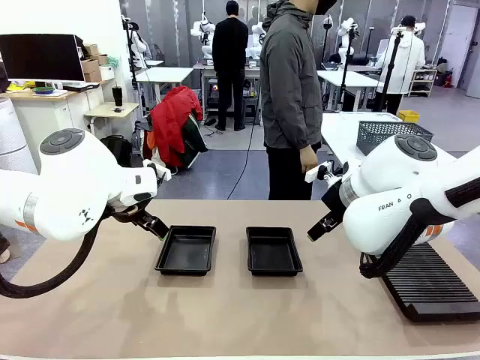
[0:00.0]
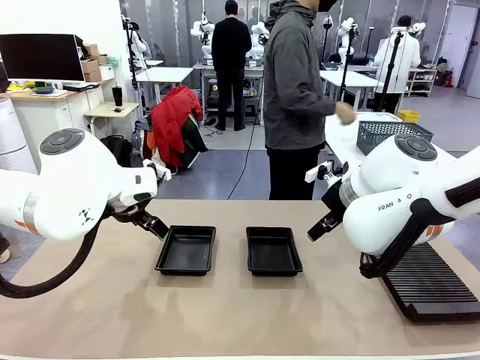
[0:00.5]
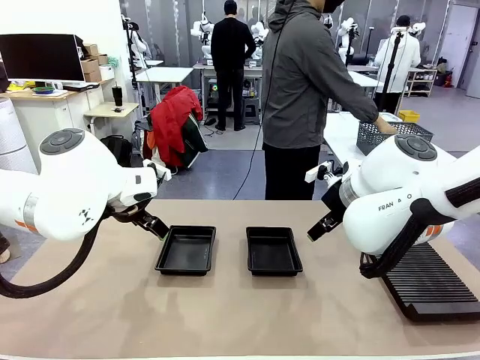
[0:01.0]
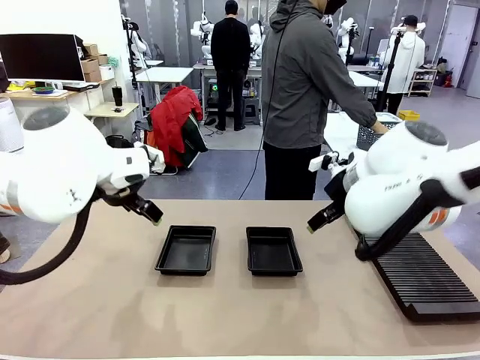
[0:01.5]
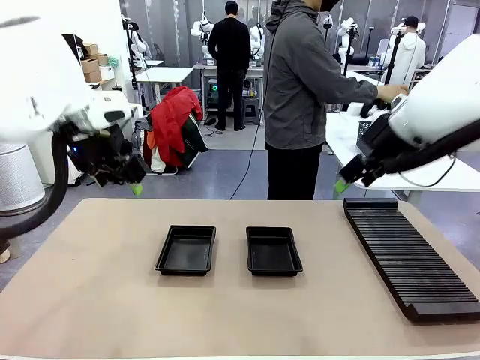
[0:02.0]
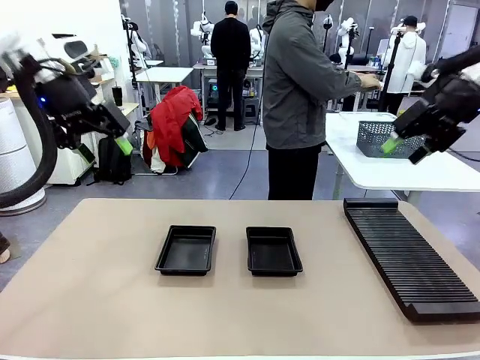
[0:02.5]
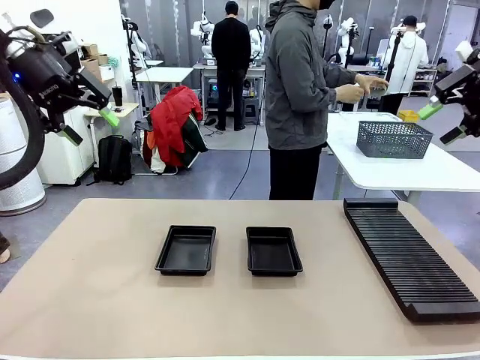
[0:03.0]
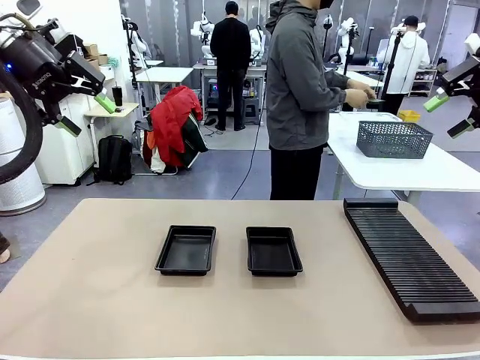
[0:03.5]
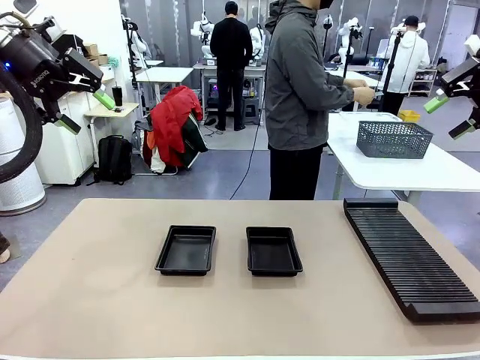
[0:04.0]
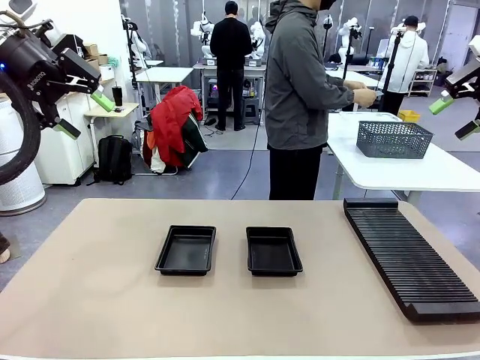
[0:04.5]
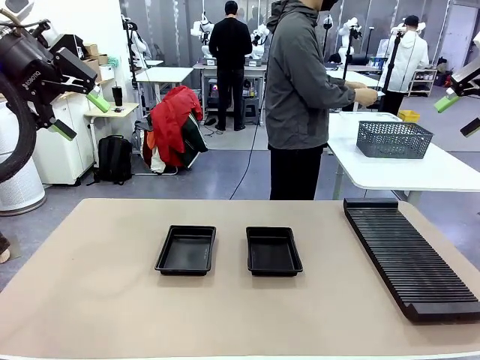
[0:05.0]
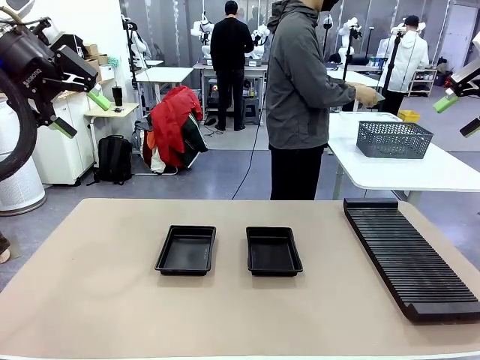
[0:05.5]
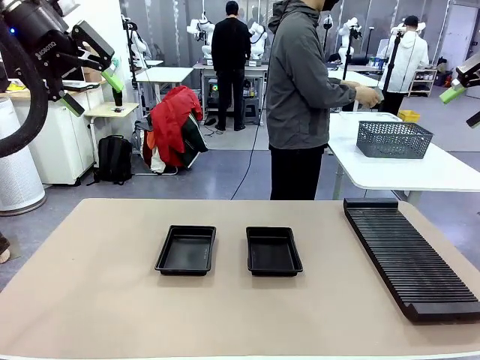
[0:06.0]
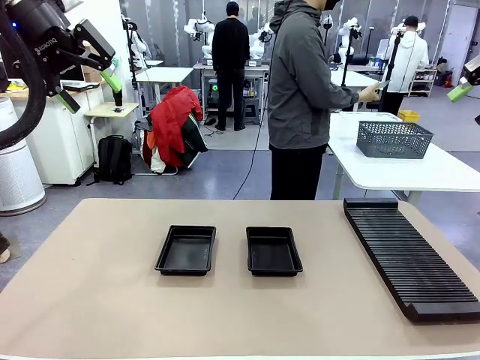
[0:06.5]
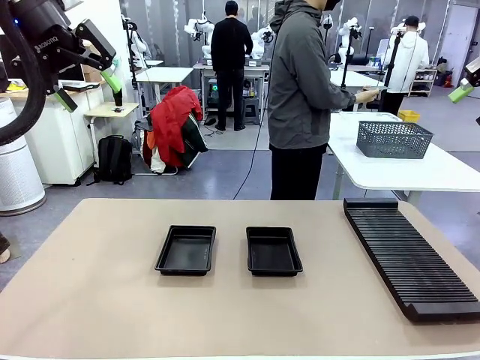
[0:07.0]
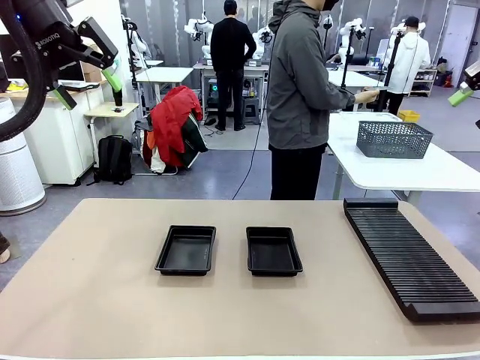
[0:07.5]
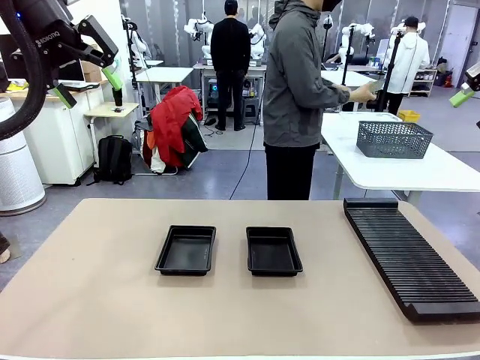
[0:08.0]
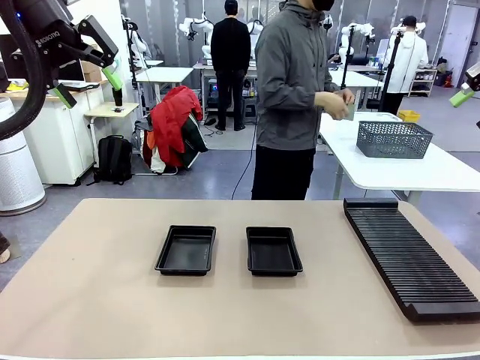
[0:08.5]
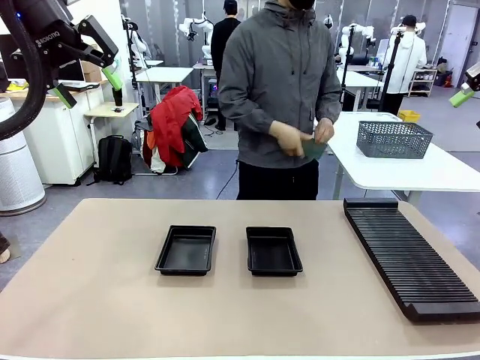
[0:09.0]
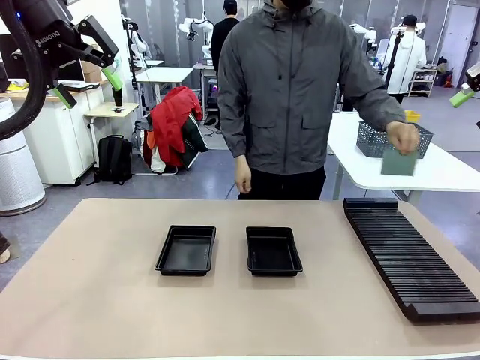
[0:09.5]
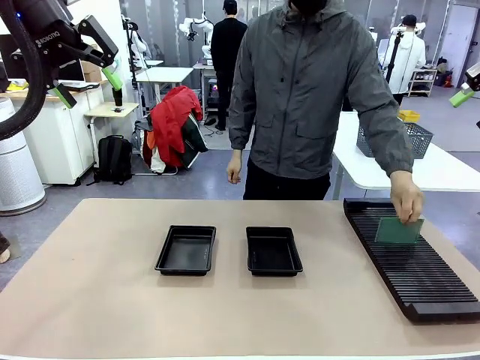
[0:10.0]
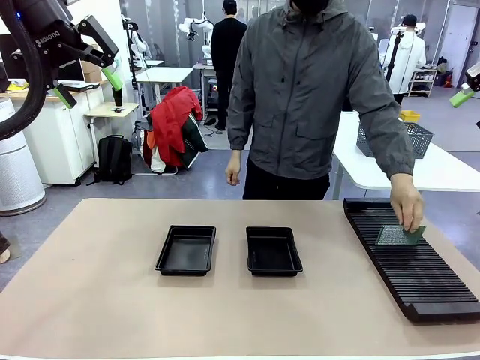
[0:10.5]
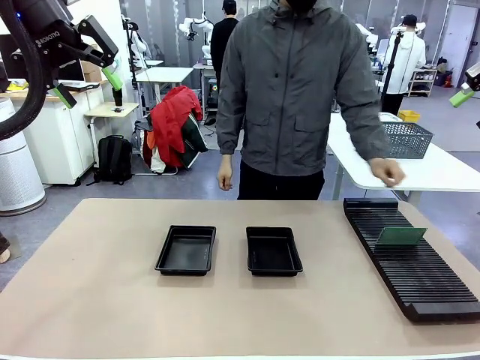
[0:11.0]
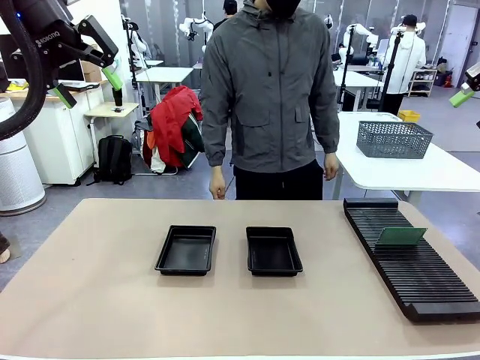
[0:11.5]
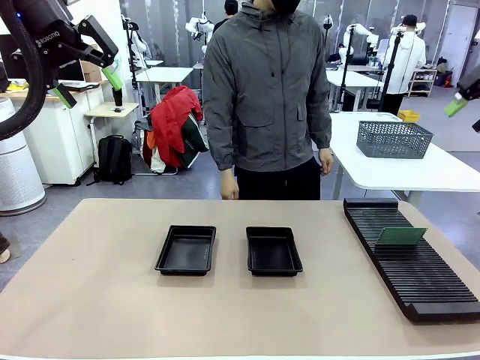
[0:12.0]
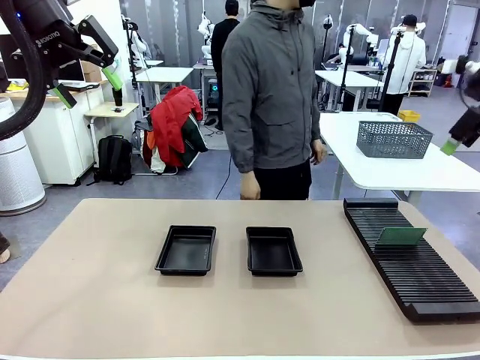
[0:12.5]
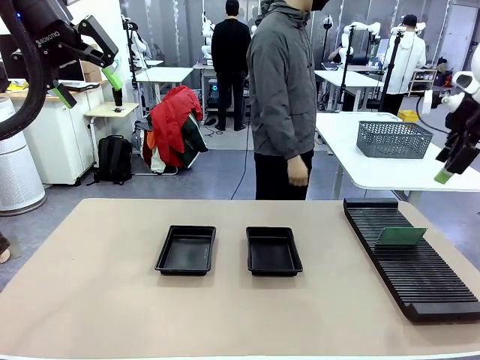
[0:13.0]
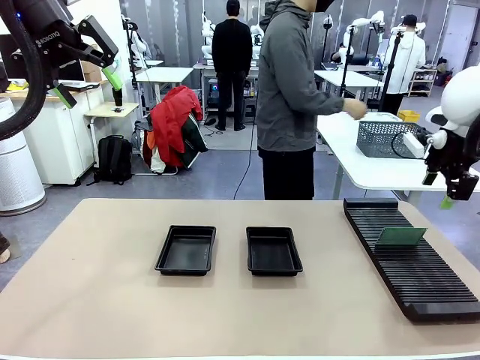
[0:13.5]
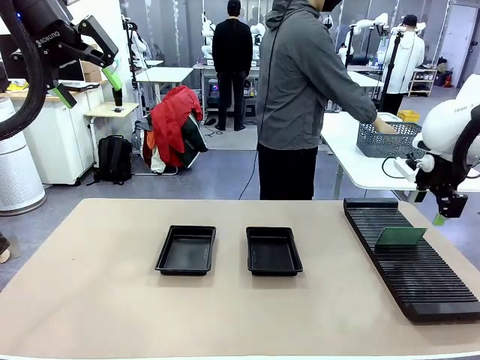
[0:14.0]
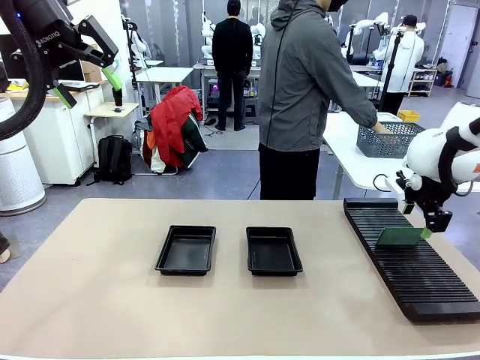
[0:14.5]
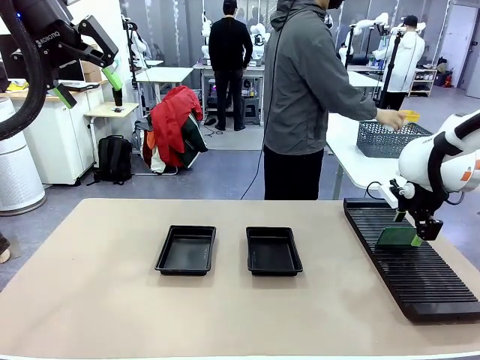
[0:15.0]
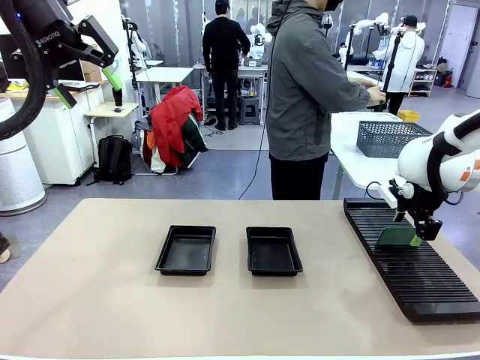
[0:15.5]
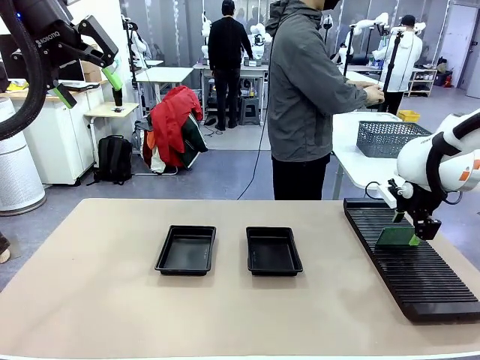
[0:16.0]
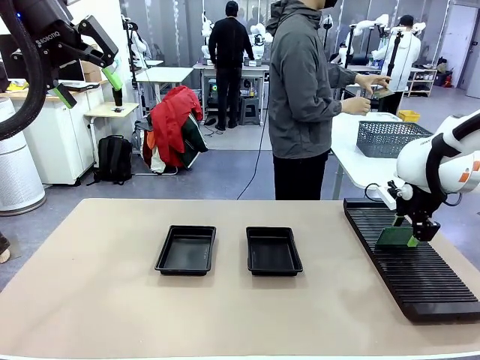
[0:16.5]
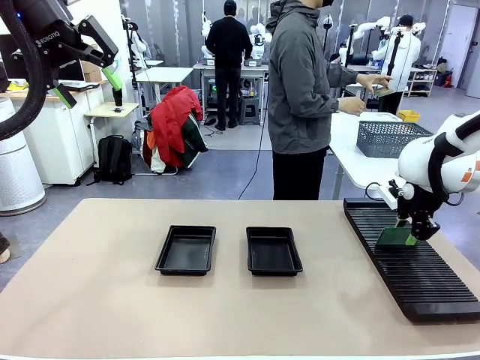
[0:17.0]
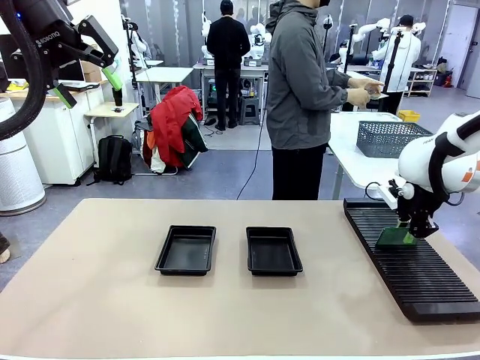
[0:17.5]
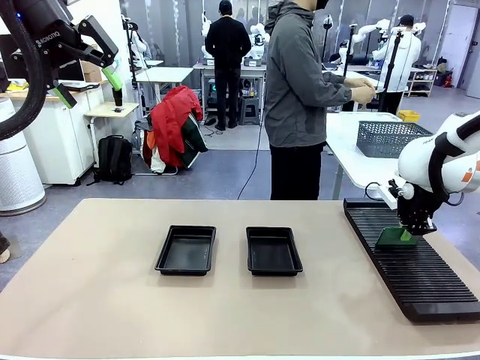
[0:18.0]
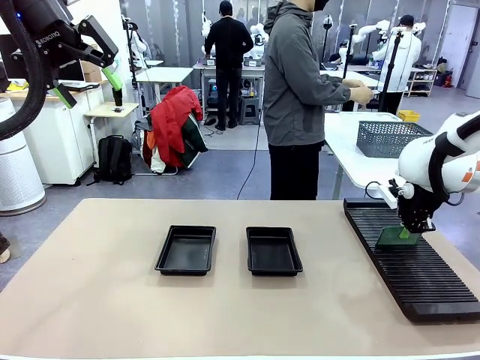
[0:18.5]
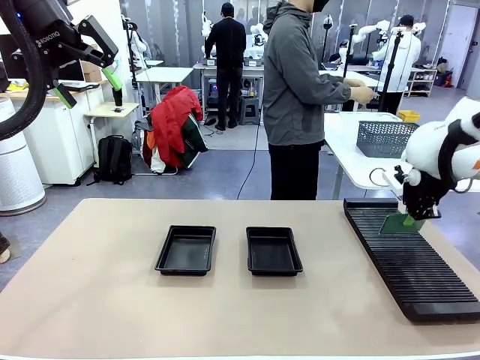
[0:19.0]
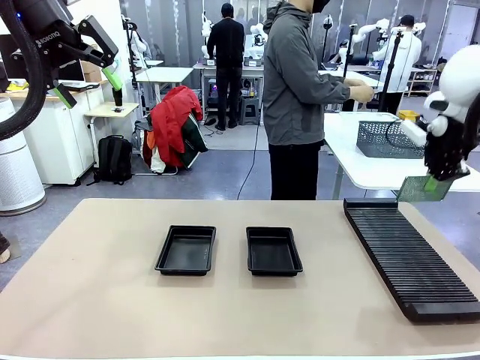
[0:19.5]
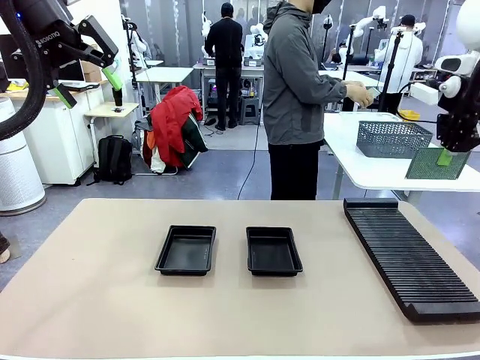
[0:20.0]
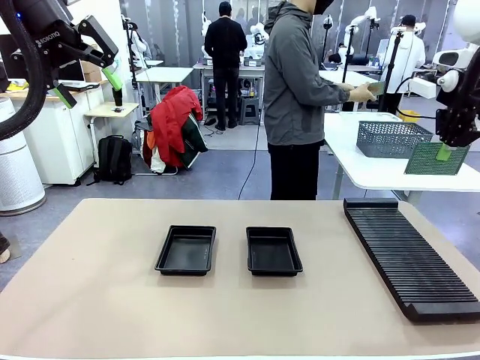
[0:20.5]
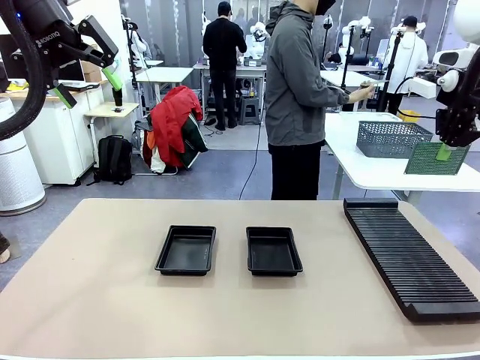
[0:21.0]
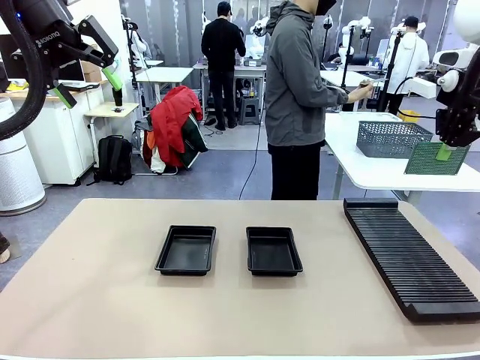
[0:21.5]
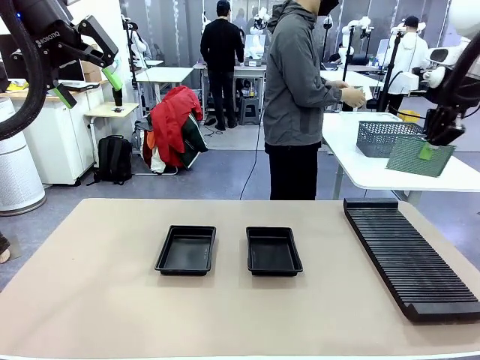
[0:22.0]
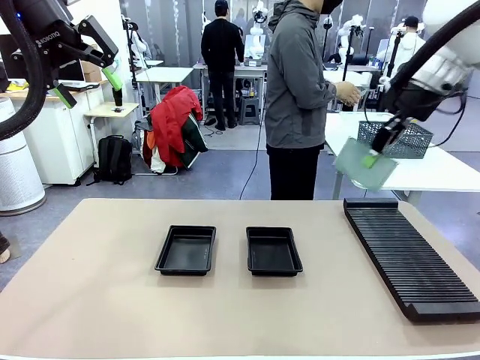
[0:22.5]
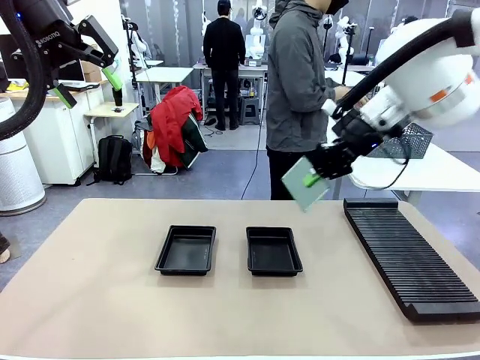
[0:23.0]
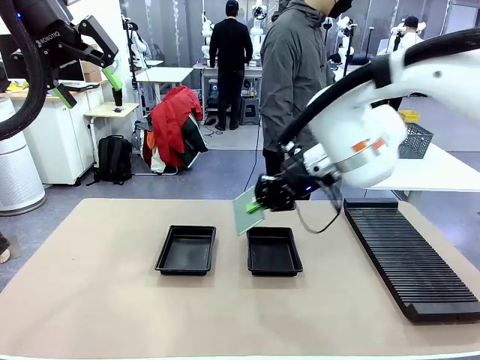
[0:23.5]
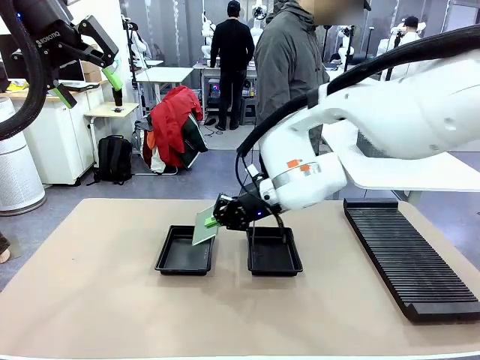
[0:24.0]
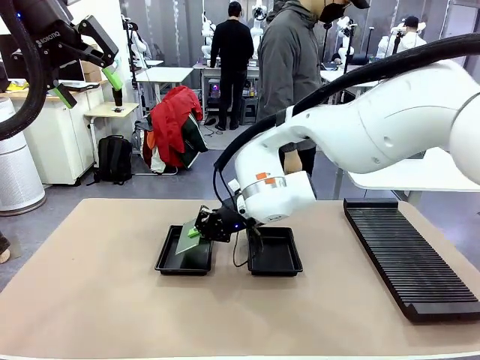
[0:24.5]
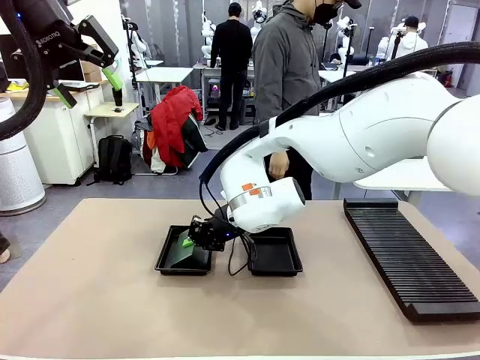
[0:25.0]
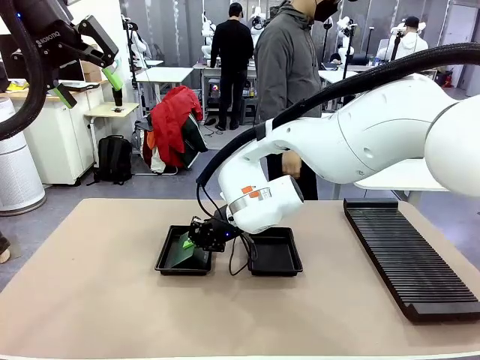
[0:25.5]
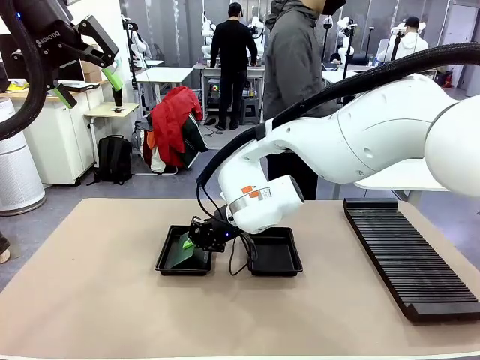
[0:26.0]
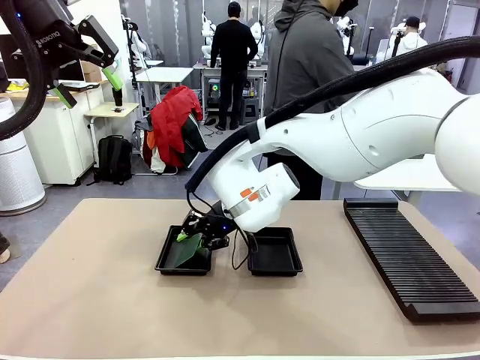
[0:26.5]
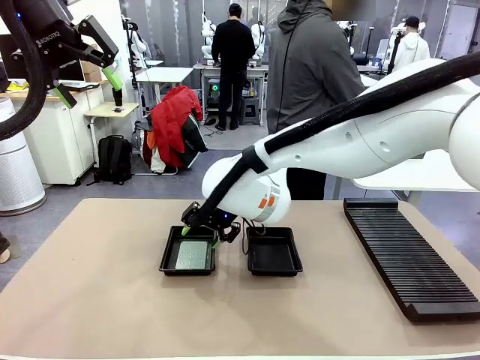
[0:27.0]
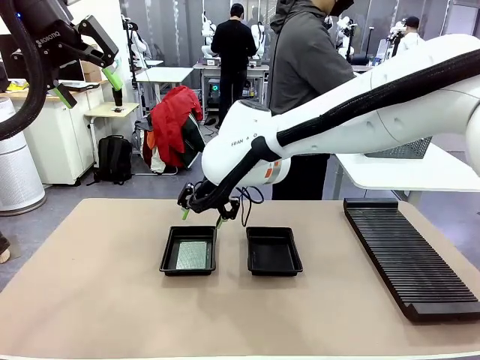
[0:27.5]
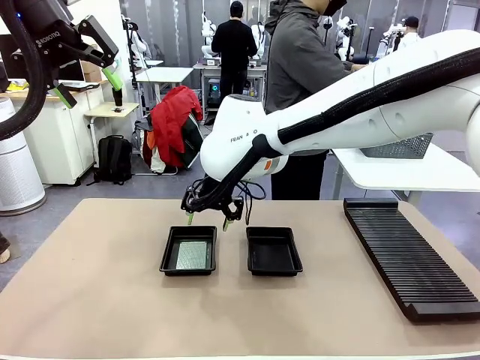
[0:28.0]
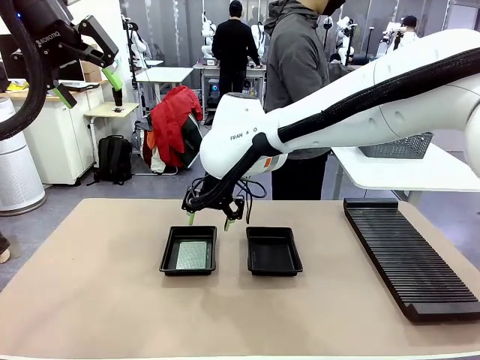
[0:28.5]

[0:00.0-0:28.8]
Task: Inspect and transfer BCBs to ESD trays.
Robot: Pick up the Blank PCB from the PCB Rack and place it in the left ESD tray.
